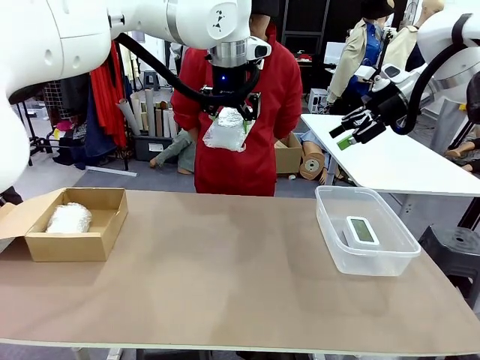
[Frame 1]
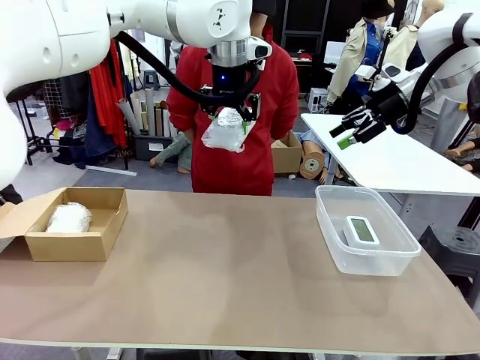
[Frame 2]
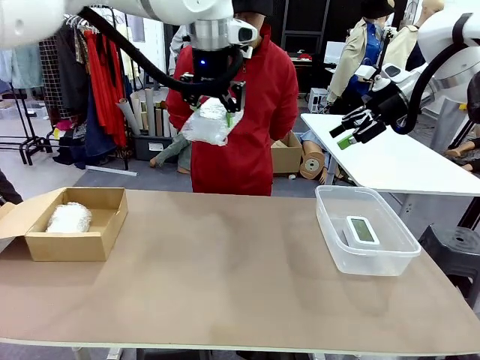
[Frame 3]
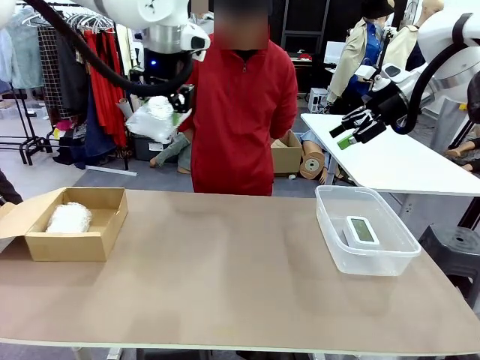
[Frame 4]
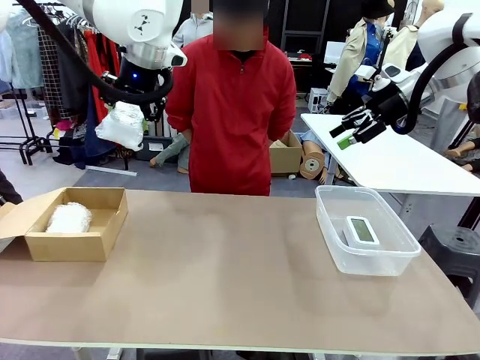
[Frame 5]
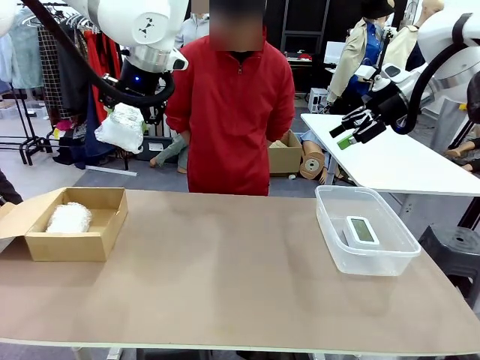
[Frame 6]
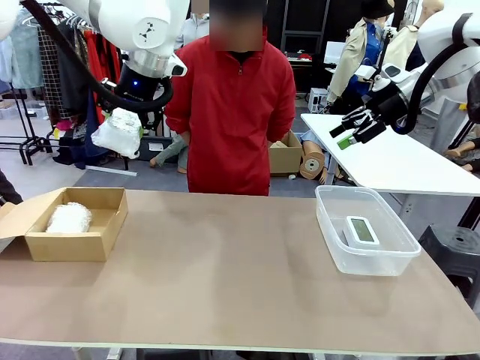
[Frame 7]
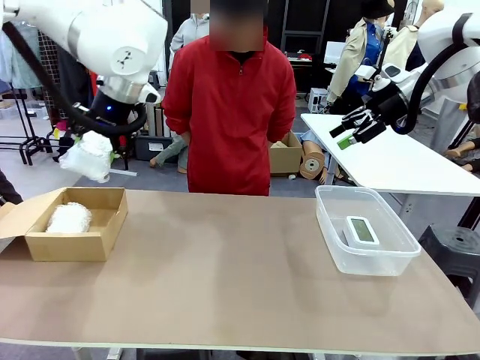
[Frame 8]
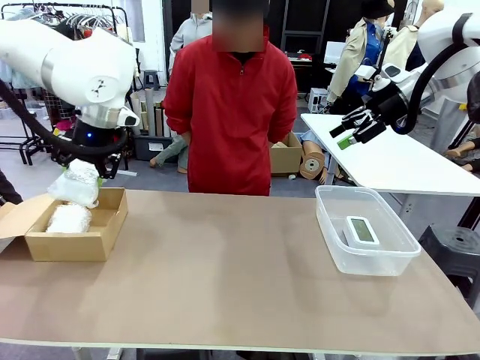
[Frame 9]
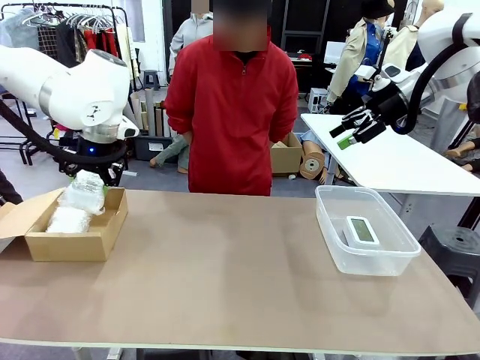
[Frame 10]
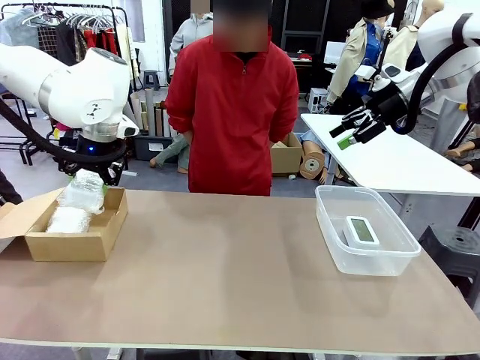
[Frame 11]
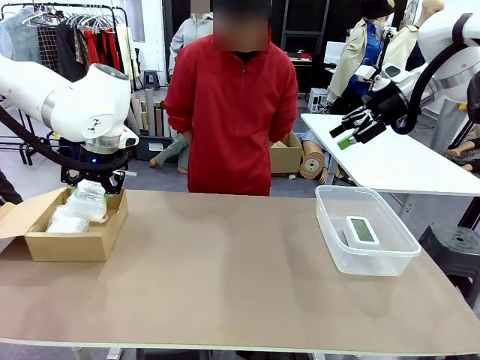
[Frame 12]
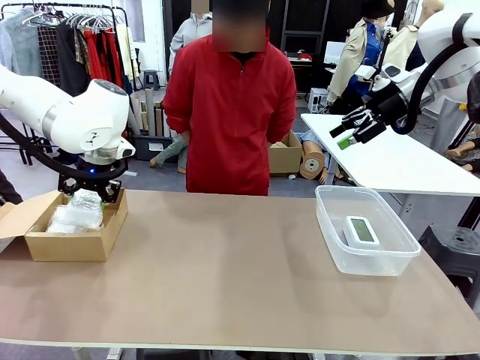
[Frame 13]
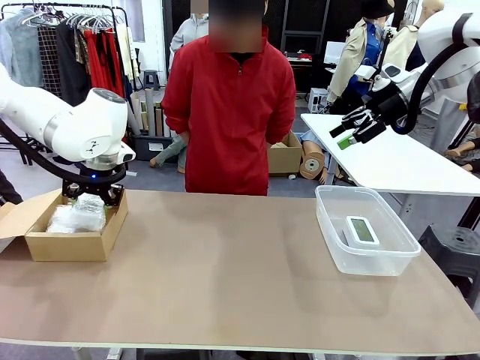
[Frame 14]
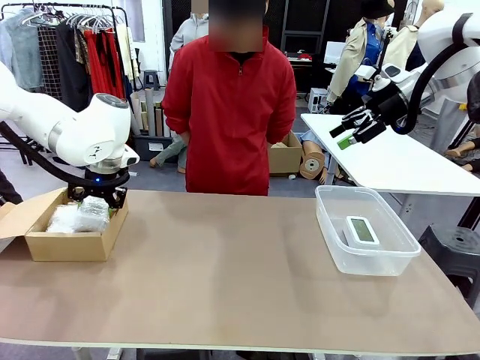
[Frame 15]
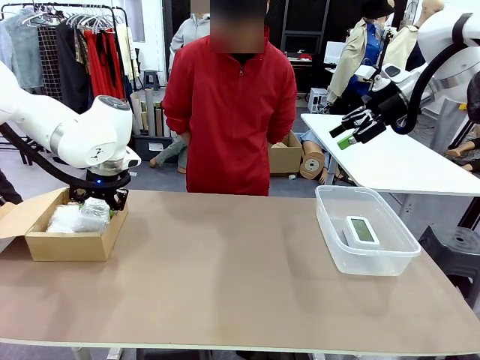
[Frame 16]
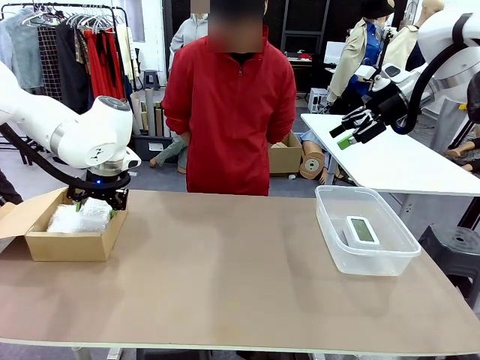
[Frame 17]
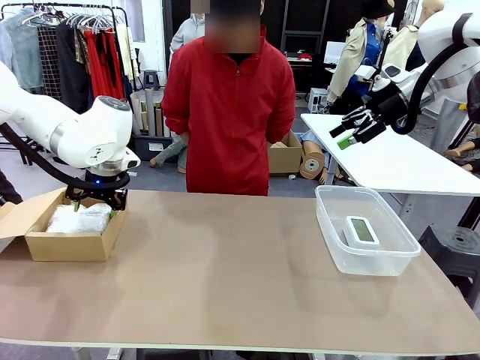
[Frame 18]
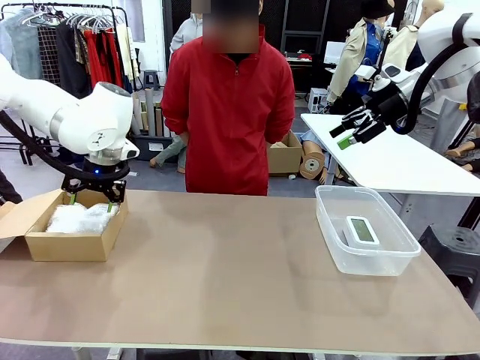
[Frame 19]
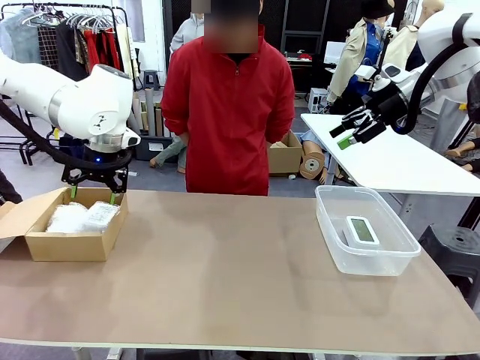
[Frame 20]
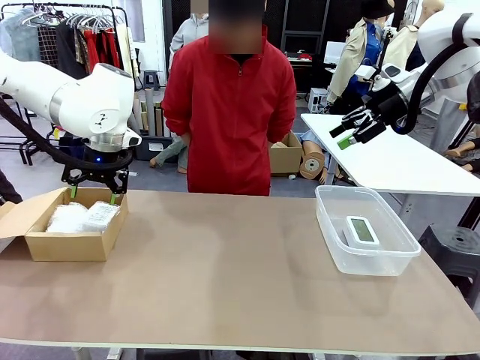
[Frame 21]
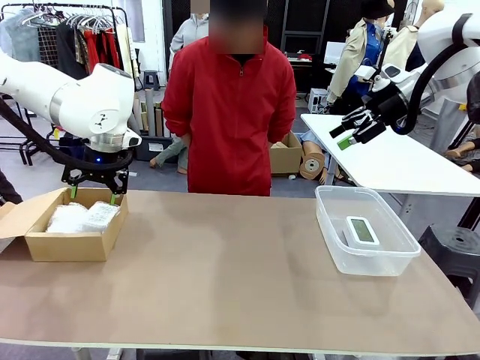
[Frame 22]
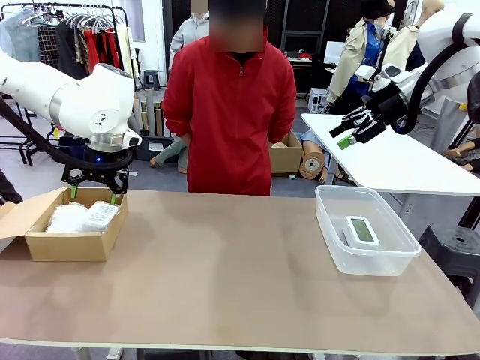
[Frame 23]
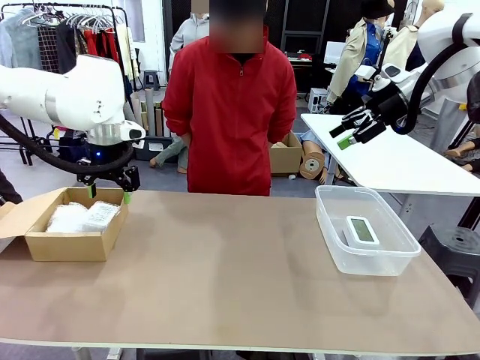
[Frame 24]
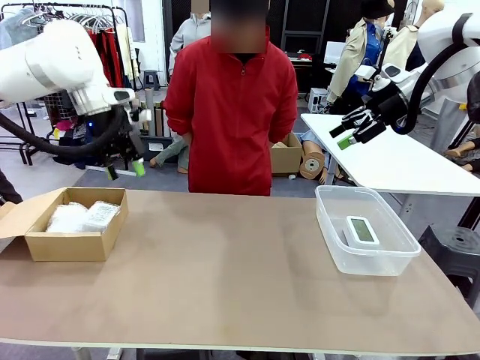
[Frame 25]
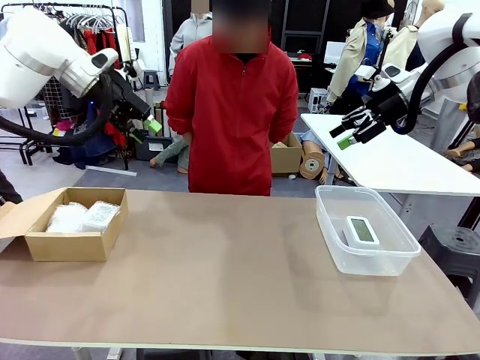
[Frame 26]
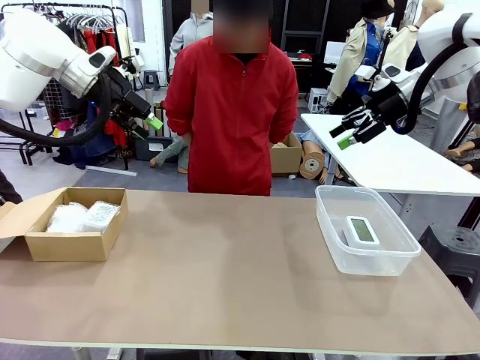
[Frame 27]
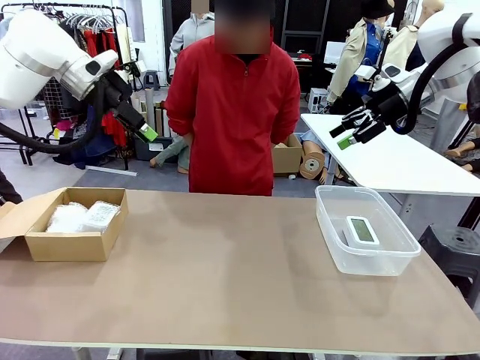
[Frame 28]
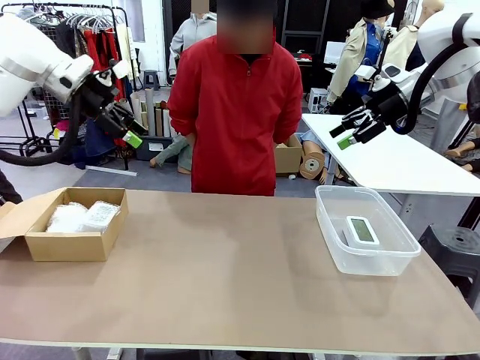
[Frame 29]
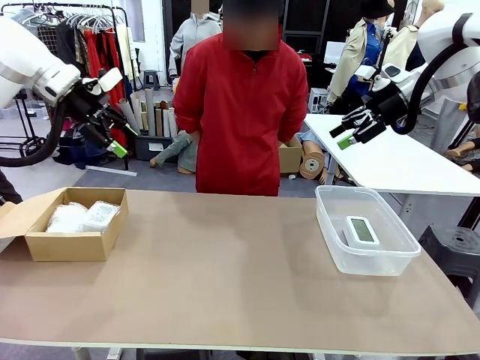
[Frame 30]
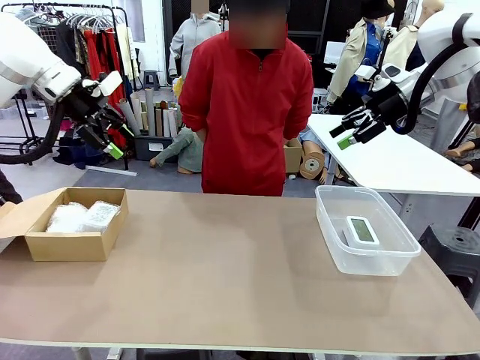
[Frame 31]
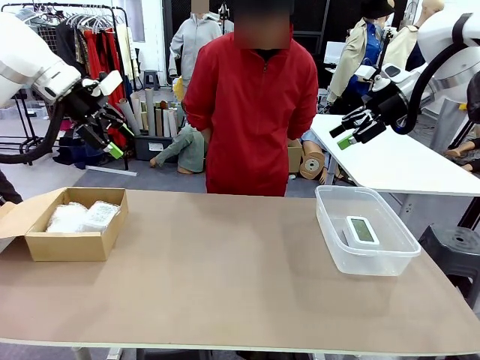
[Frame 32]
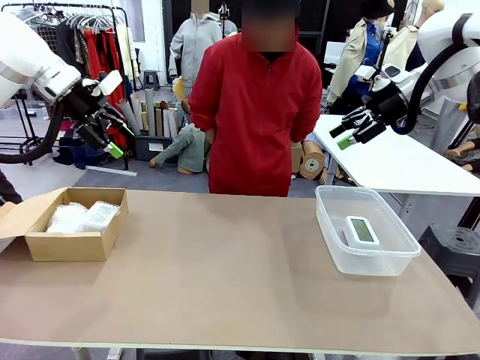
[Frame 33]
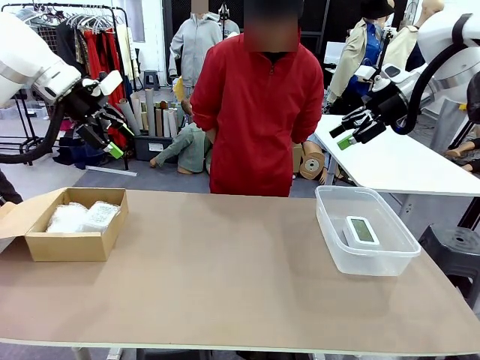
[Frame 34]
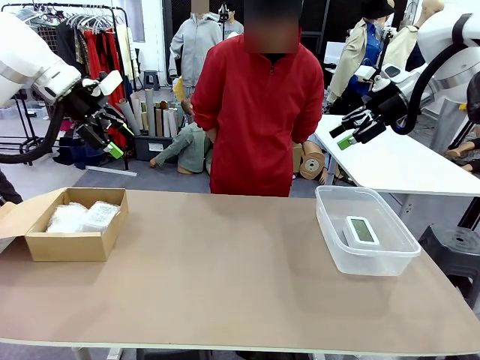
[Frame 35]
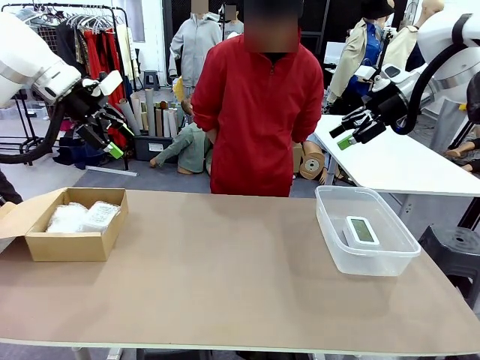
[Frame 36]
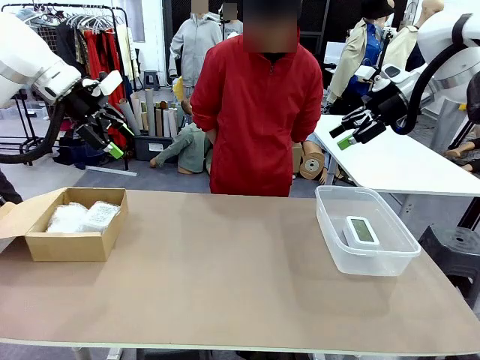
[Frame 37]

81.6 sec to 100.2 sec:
Task: Separate and place wrapped and unwrapped clocks.
Robot: If the picked Digital clock is wrapped, place it in the Package Box ; if not, place it in the Organizing box.

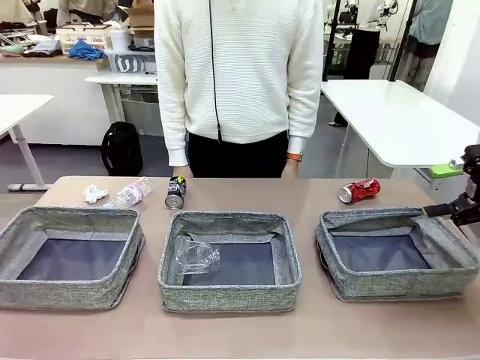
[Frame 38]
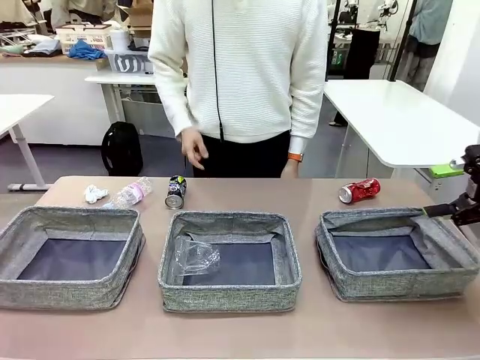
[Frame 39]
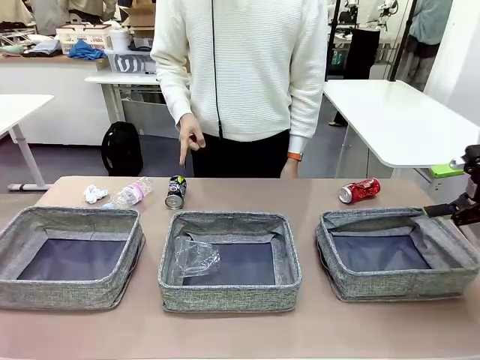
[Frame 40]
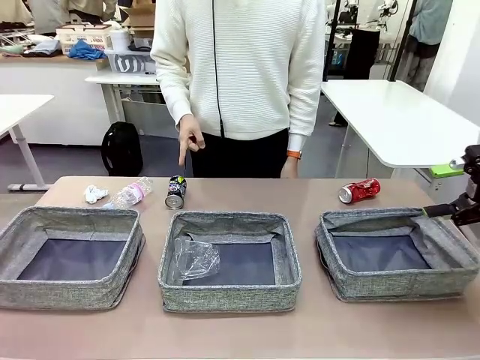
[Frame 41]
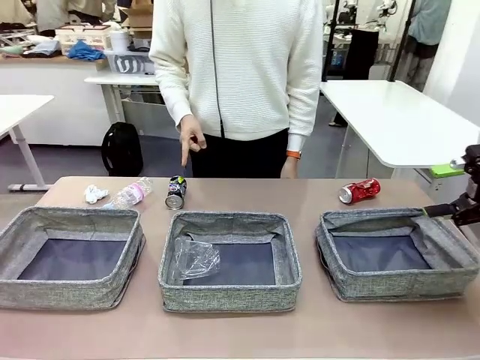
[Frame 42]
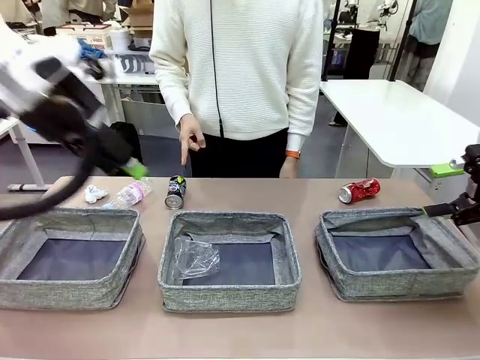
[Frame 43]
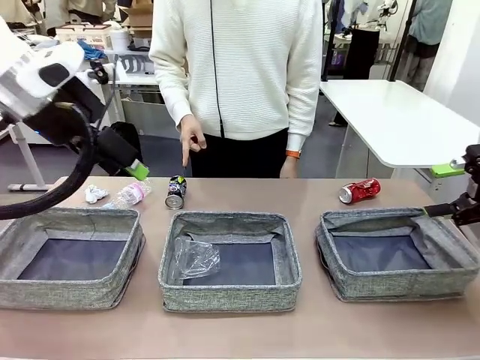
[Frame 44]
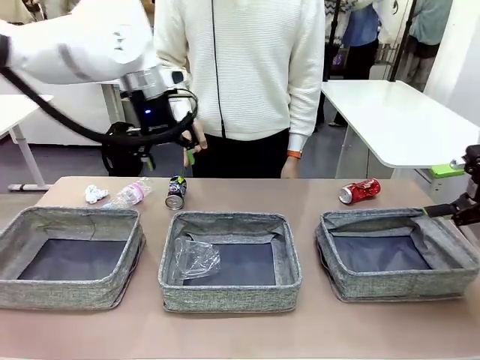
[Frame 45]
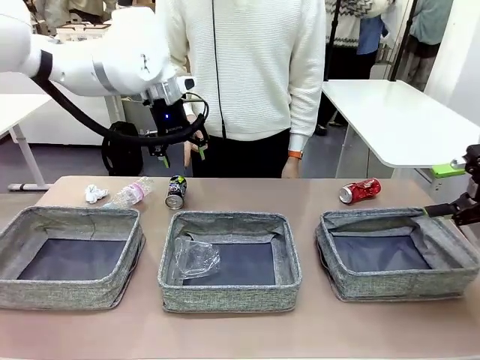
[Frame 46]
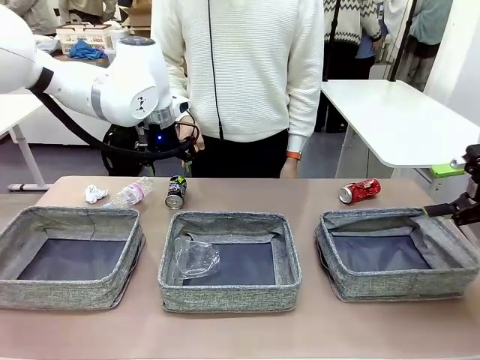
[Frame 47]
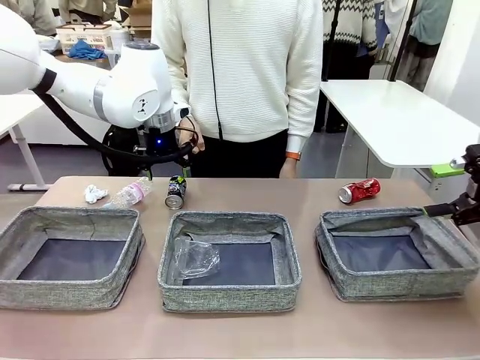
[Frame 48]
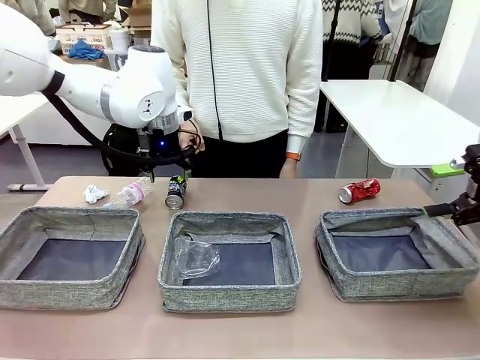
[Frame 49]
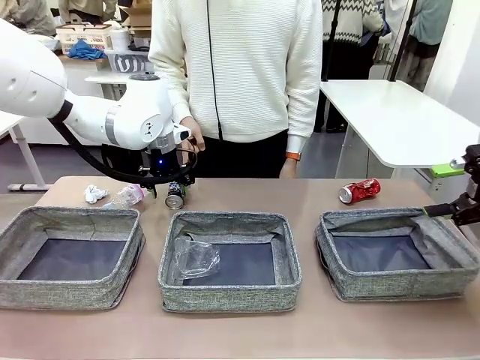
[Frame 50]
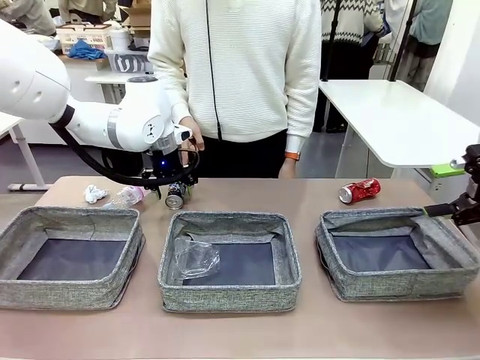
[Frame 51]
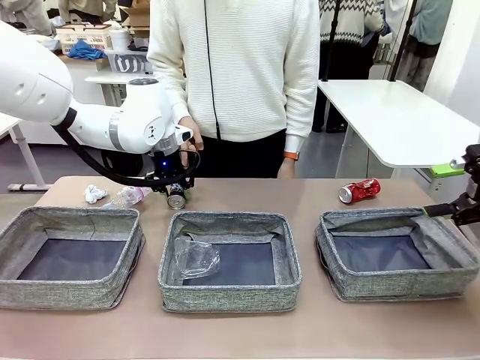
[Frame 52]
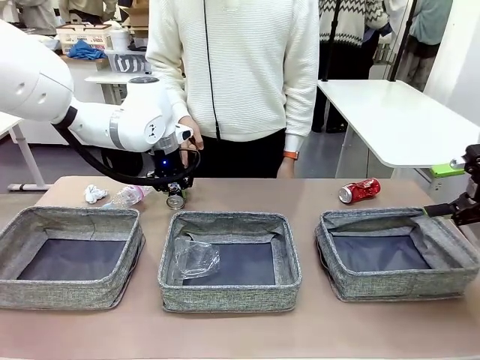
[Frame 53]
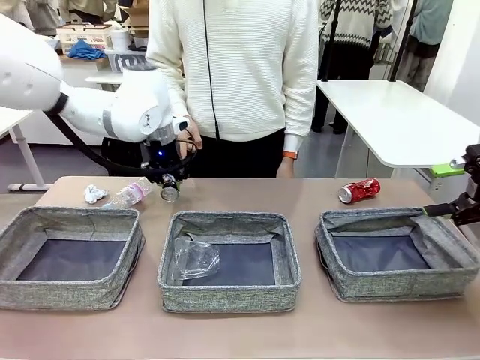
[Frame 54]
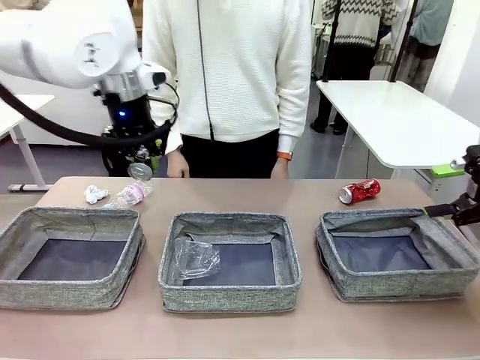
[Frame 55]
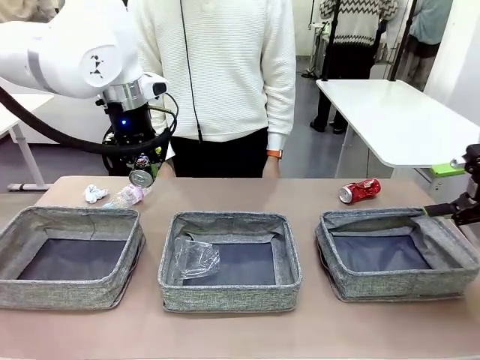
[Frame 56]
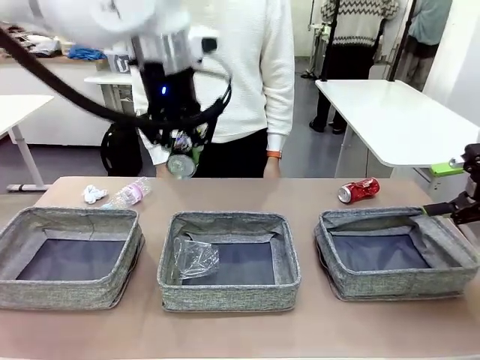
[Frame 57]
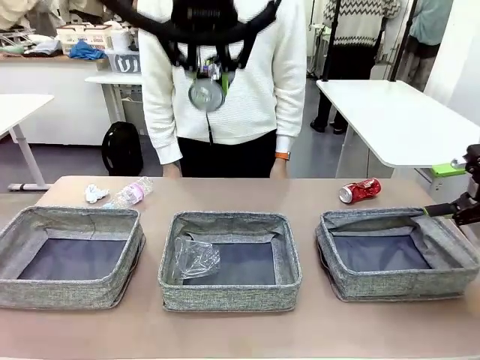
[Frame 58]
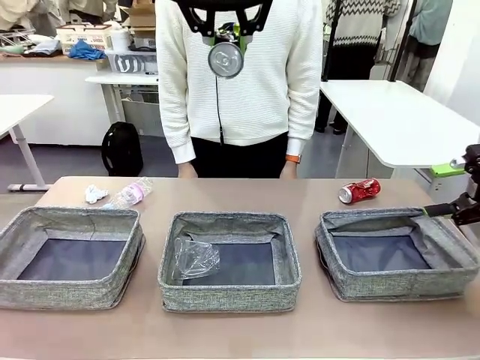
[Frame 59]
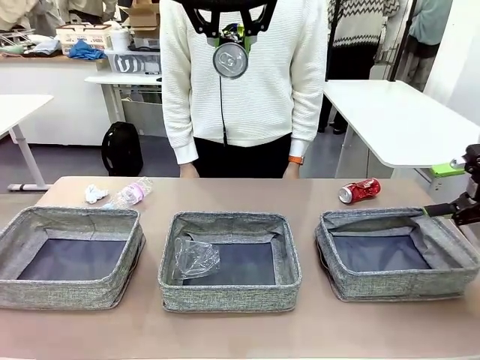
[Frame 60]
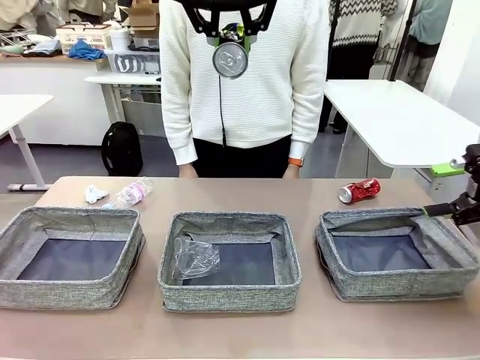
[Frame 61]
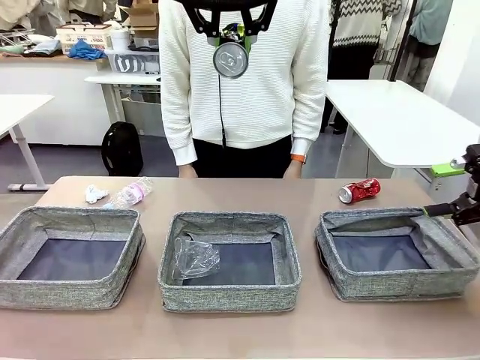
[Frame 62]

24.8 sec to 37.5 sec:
Task: Sort the waste into the appropriate baskets.
Robot: Pick up the waste item pointed out by the person.
Person: Points to one piece of trash on the table.
